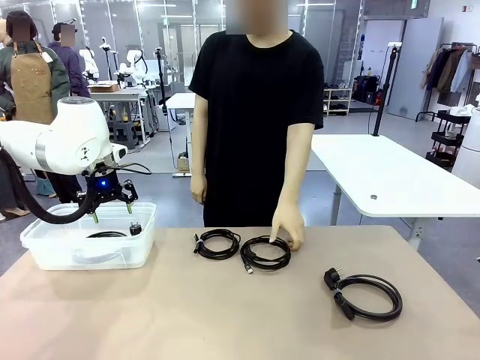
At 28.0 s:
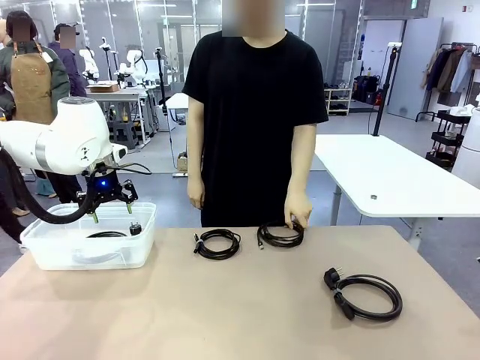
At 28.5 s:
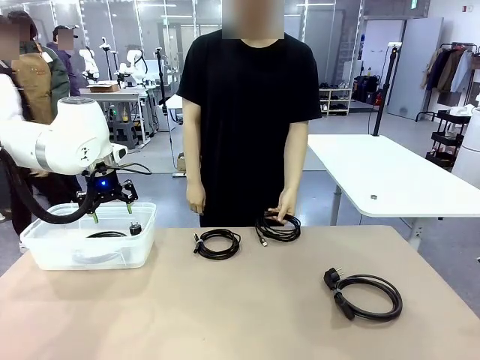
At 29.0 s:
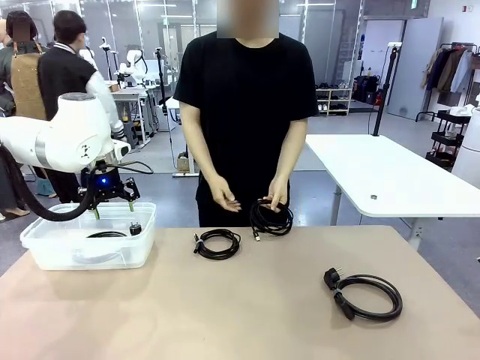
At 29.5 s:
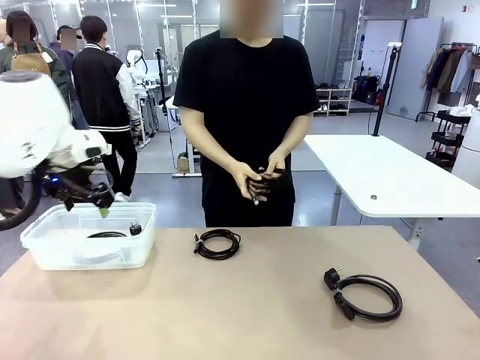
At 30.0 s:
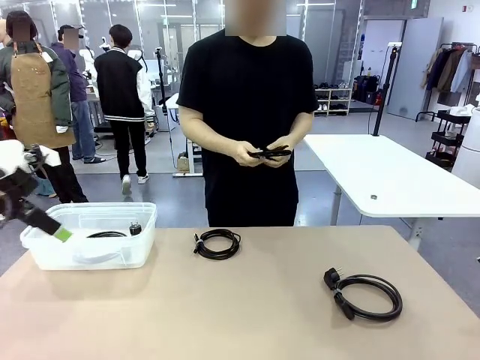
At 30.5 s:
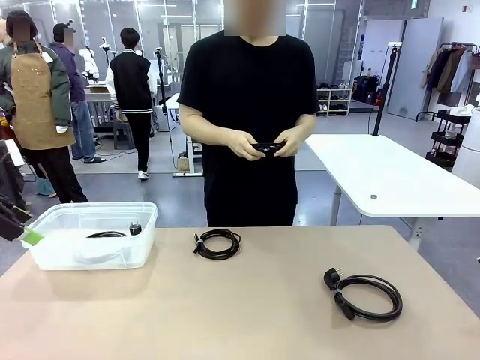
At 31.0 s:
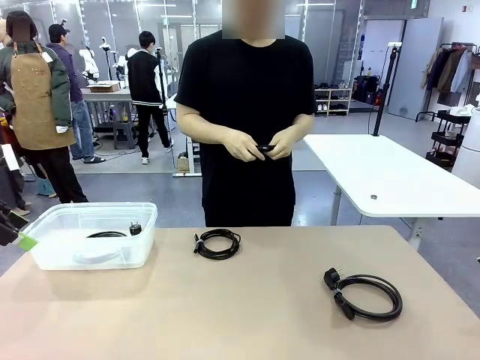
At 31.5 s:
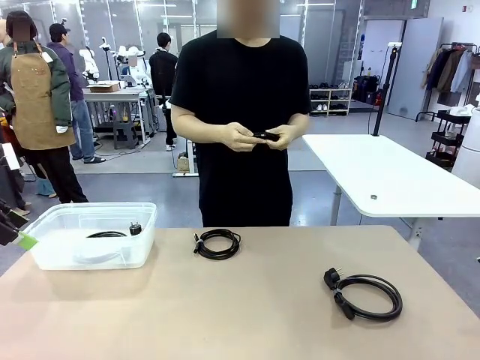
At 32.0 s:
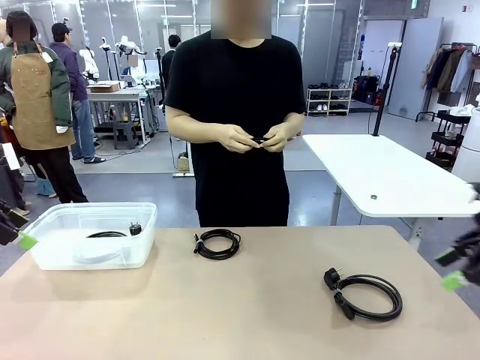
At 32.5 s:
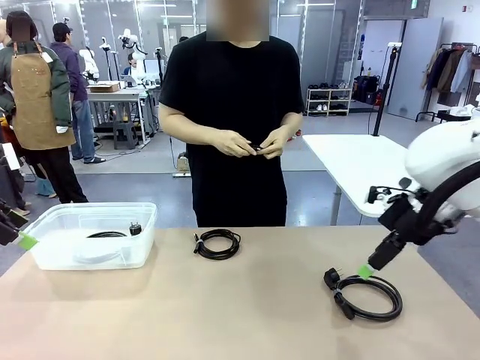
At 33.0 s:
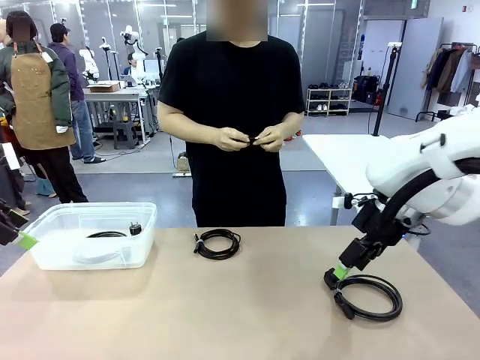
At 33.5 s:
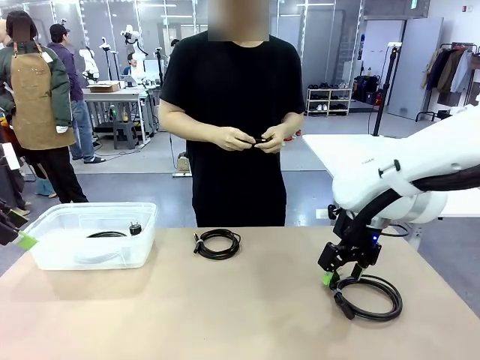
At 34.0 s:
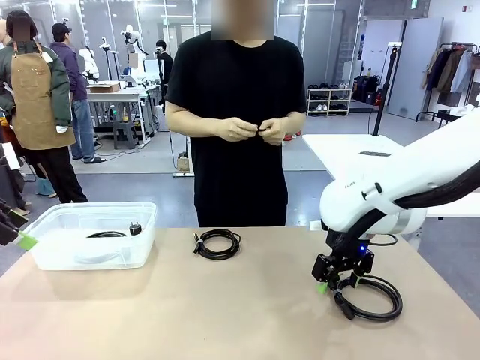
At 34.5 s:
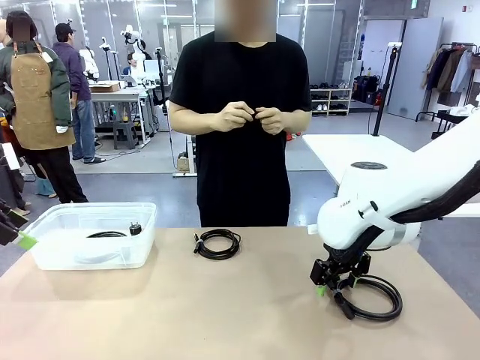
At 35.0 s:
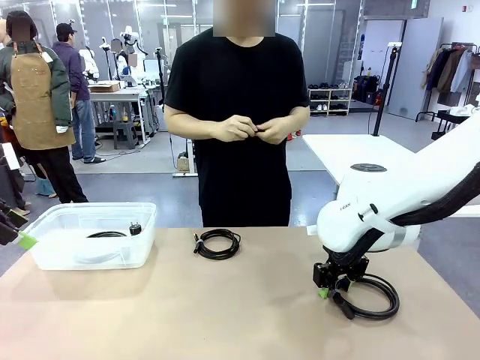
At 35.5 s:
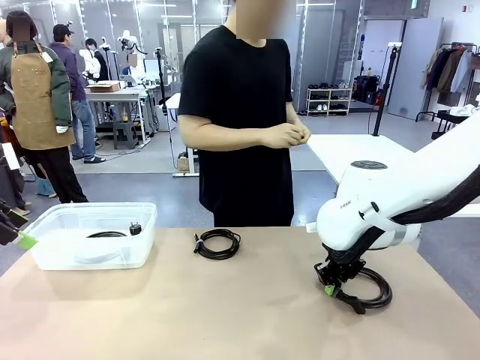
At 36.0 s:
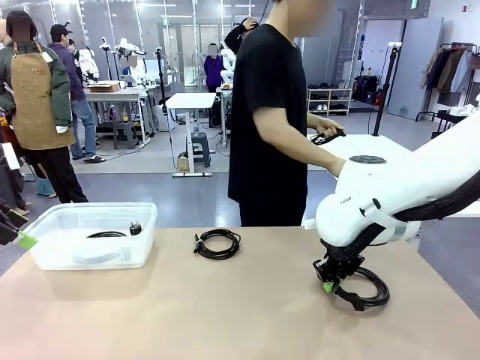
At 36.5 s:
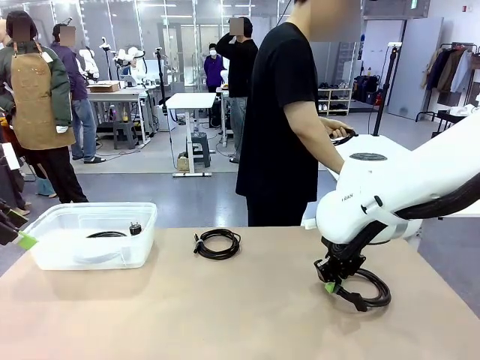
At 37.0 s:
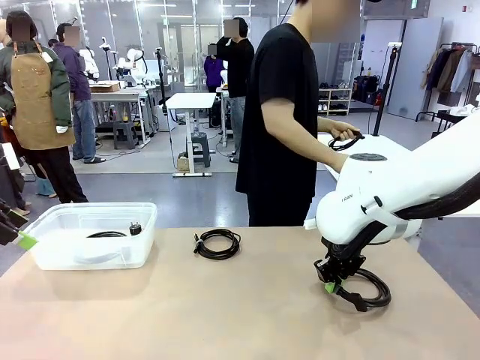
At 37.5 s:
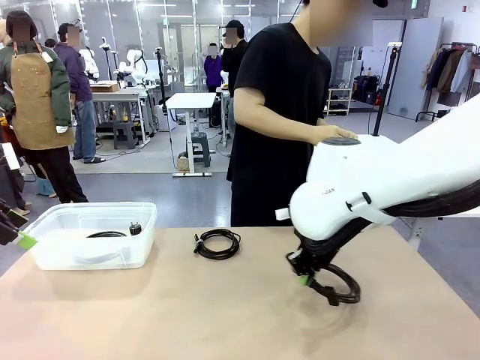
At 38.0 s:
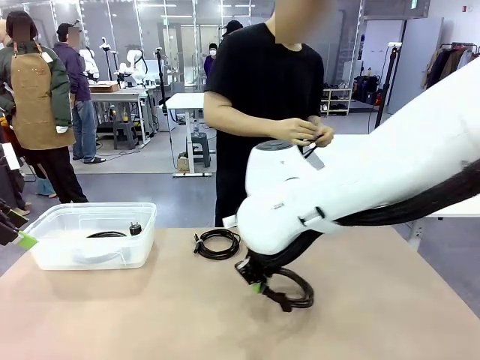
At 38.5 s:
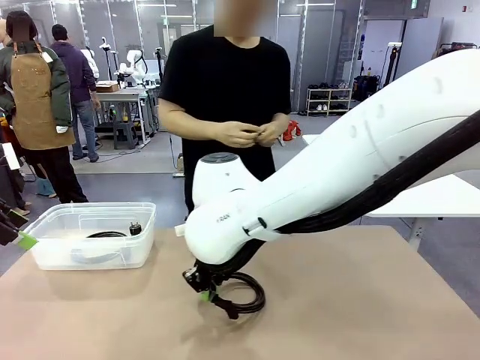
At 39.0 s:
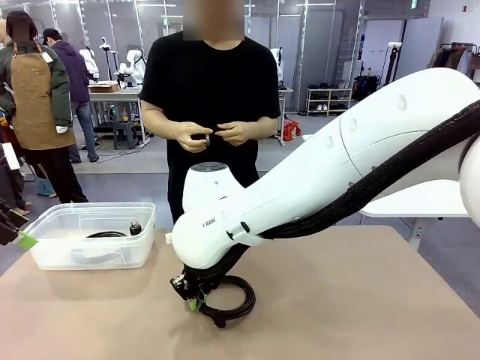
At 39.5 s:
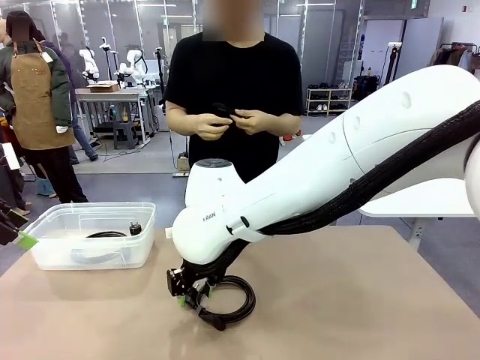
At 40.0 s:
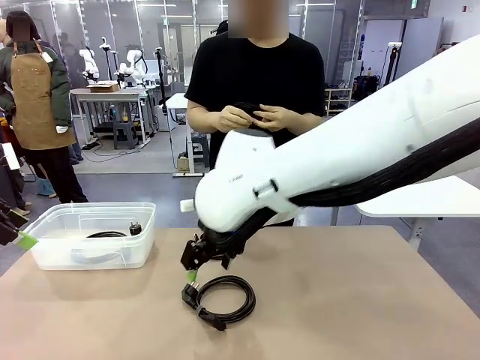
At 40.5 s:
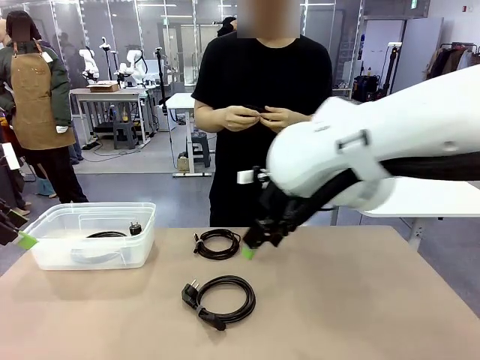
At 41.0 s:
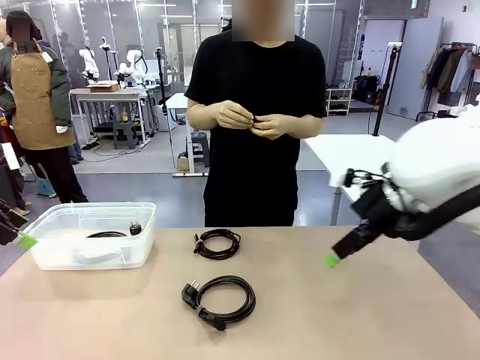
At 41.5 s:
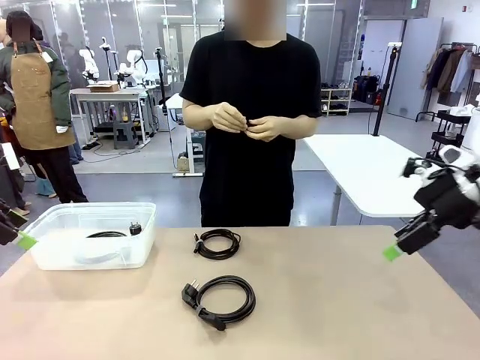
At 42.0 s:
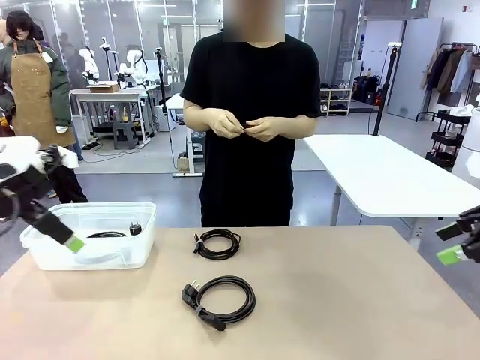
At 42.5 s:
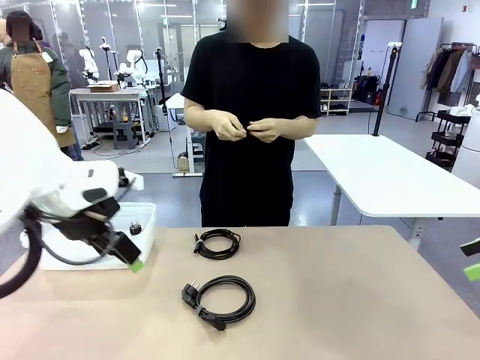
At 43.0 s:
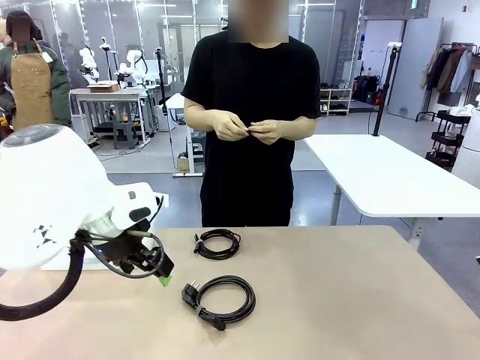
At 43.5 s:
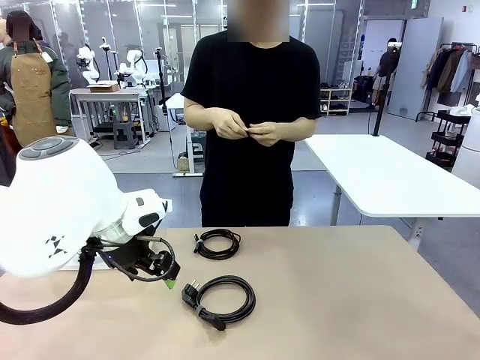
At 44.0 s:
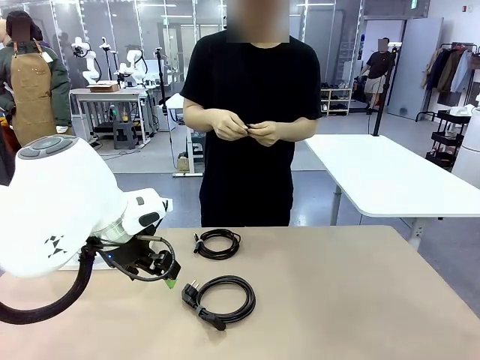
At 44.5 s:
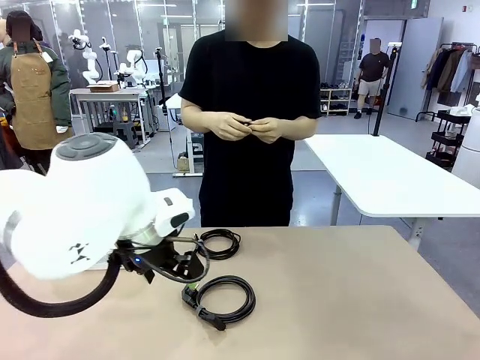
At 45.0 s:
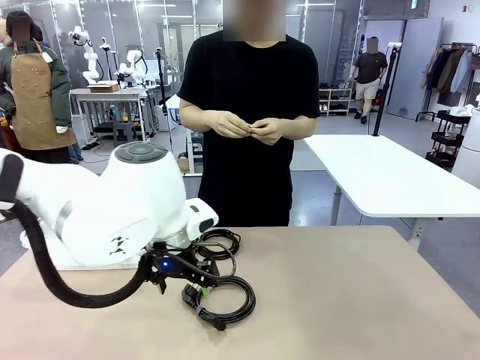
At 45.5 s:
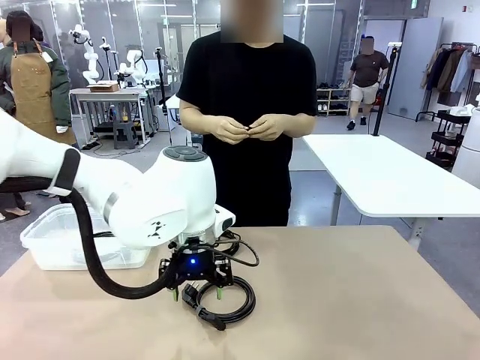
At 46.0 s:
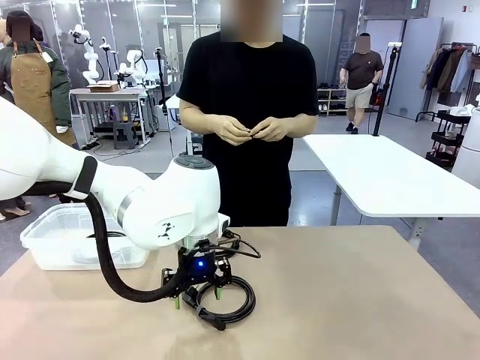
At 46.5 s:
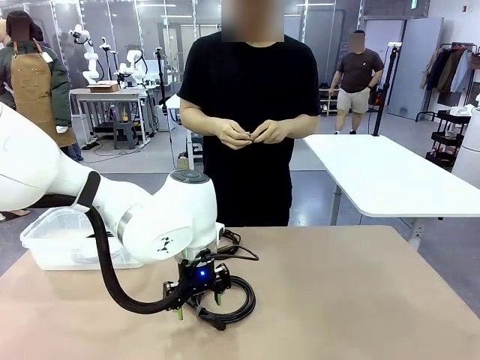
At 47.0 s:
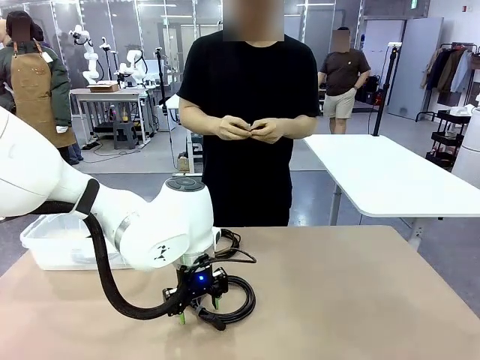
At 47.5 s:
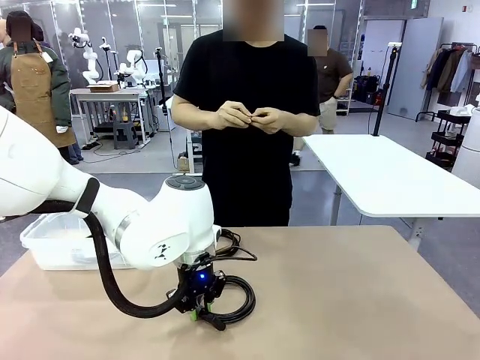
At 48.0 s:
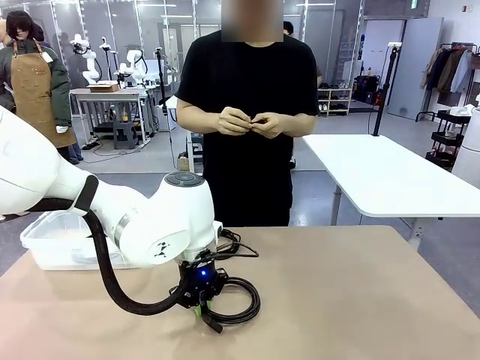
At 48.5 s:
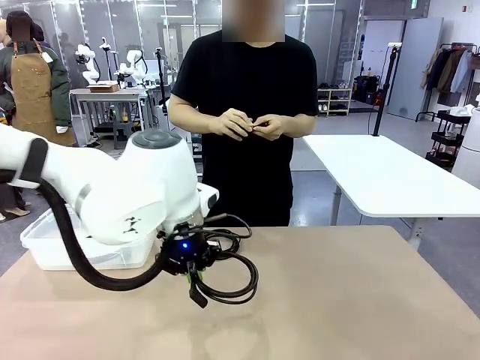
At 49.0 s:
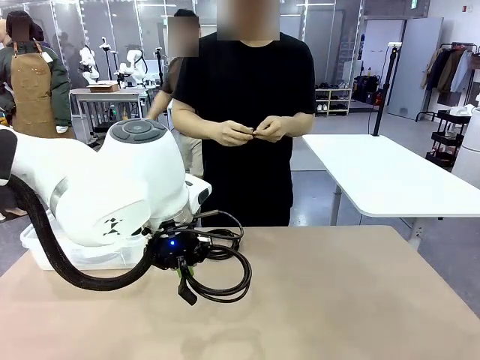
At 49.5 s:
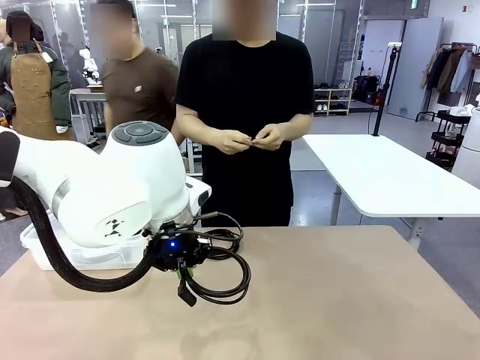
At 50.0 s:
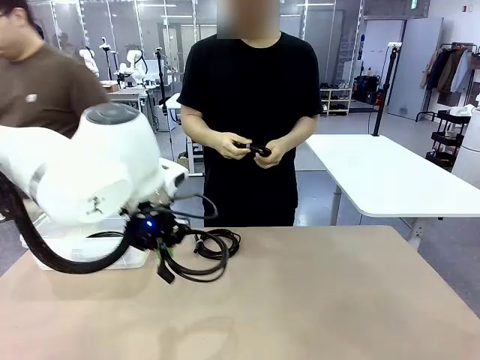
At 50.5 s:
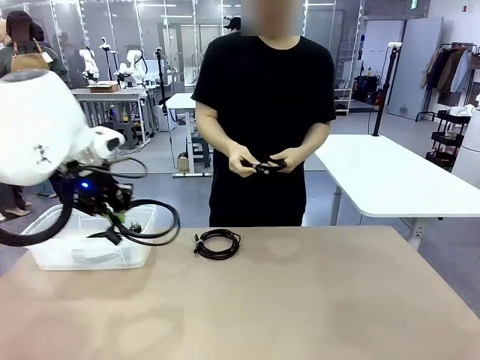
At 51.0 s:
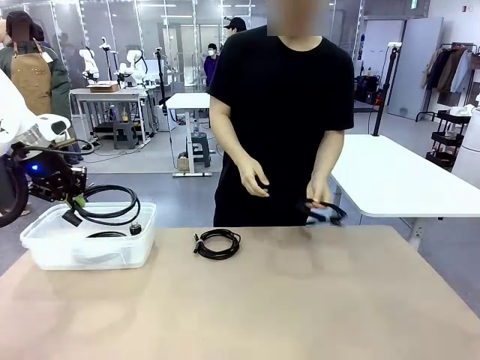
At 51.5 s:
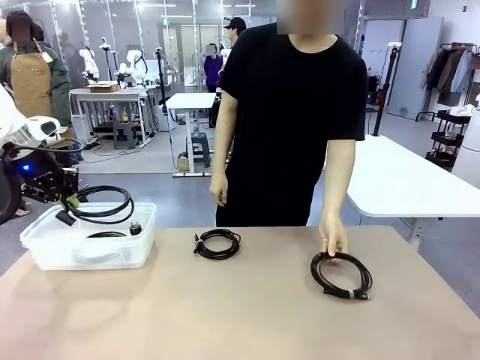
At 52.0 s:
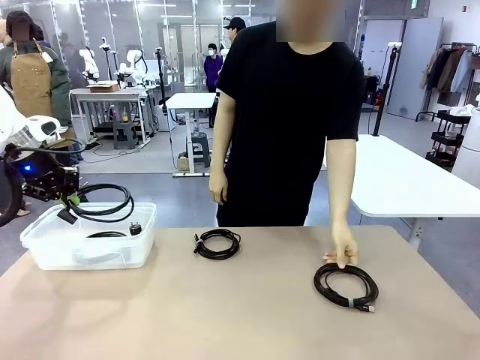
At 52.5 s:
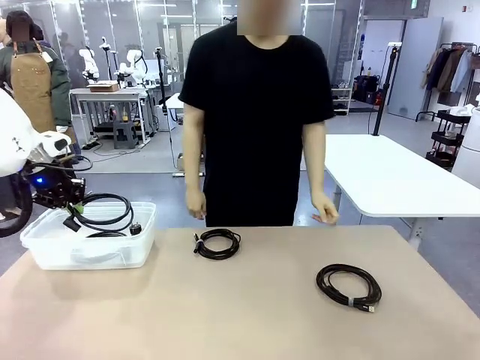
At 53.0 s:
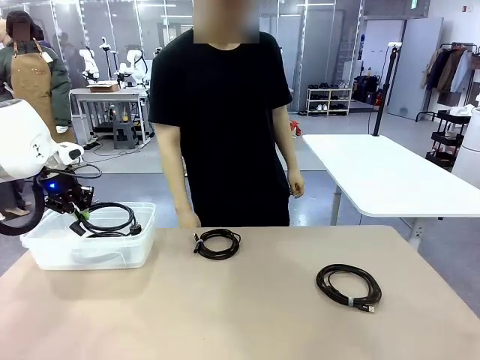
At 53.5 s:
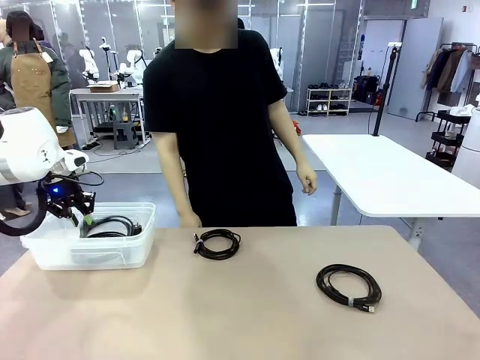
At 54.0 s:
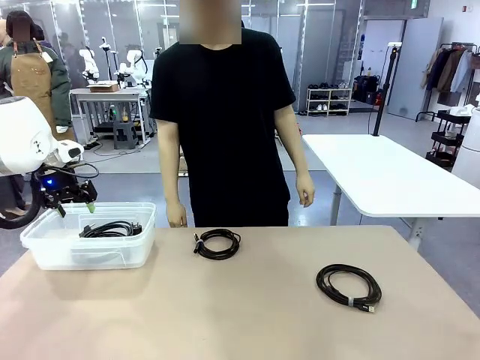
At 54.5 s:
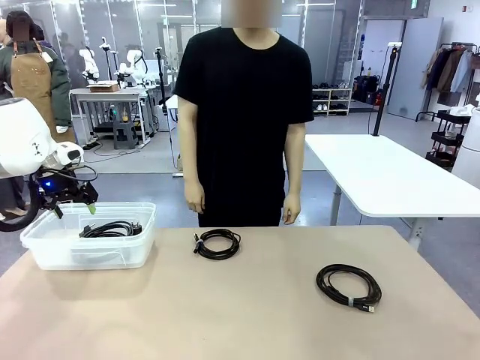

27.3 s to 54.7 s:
Task: Organize and store the cables.
Robot: Place the Power Cable into the Organizing box.
